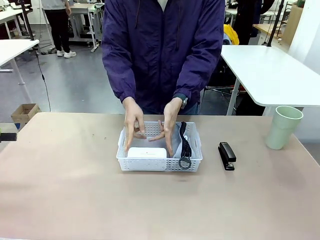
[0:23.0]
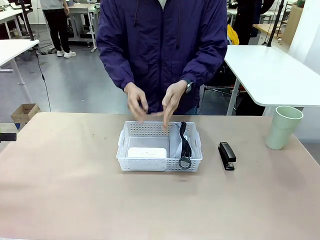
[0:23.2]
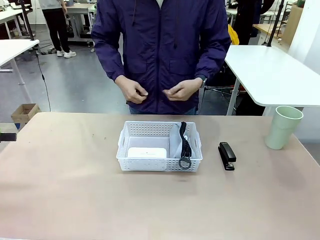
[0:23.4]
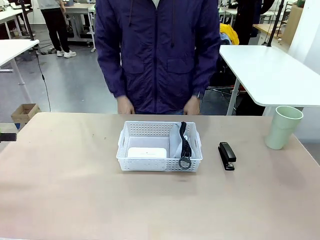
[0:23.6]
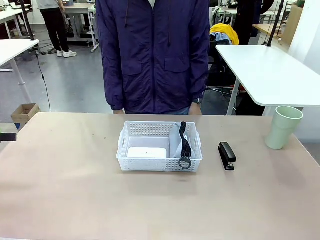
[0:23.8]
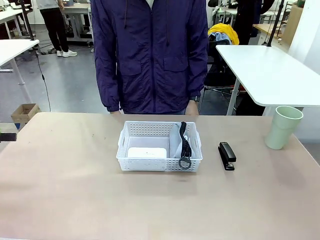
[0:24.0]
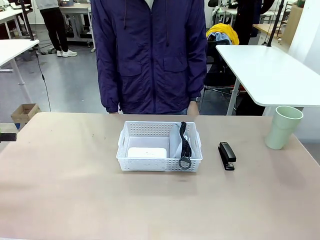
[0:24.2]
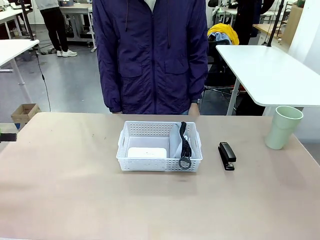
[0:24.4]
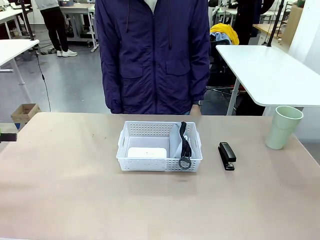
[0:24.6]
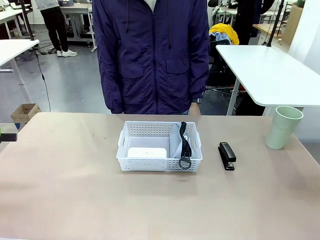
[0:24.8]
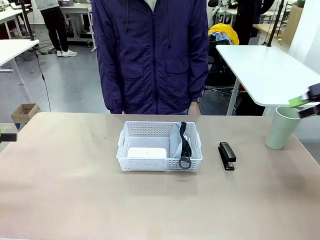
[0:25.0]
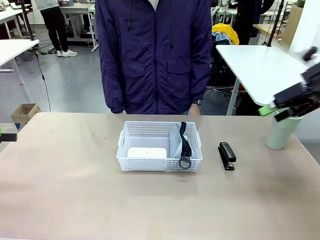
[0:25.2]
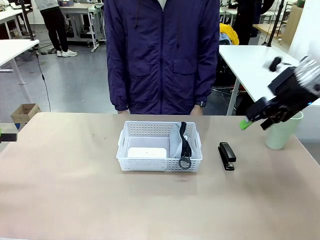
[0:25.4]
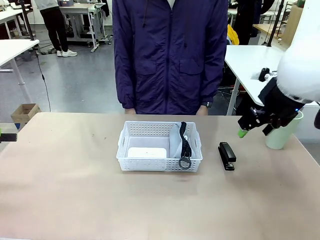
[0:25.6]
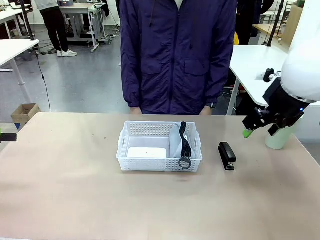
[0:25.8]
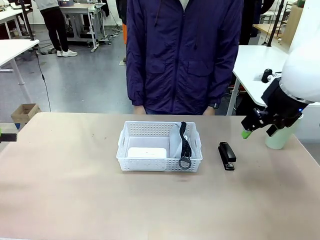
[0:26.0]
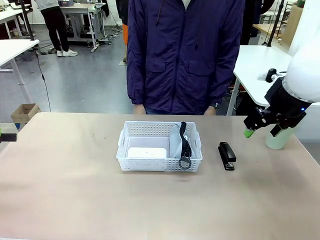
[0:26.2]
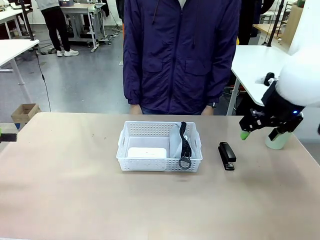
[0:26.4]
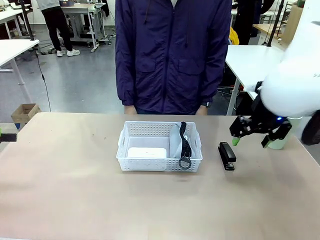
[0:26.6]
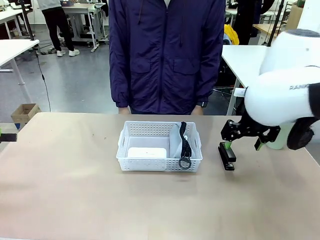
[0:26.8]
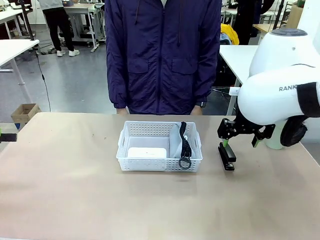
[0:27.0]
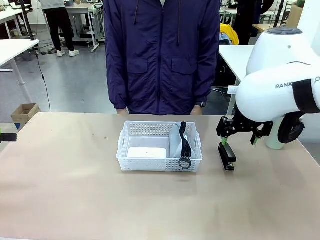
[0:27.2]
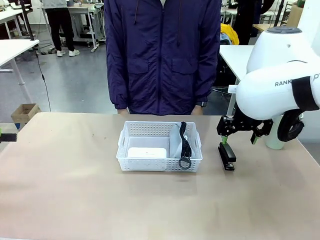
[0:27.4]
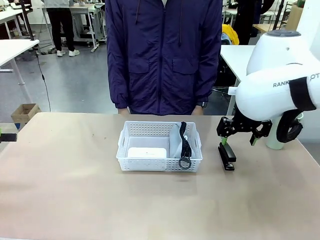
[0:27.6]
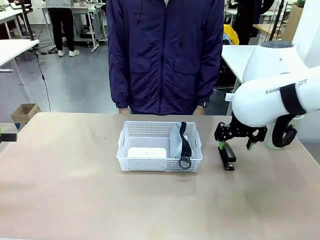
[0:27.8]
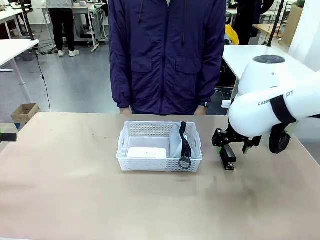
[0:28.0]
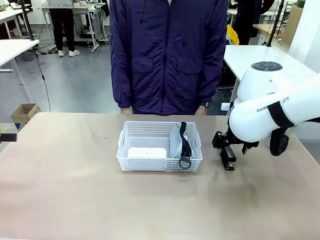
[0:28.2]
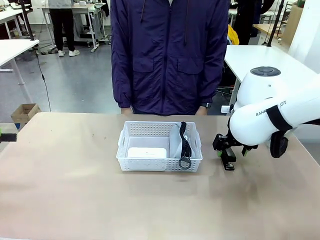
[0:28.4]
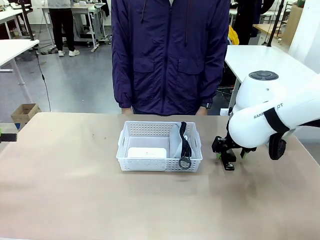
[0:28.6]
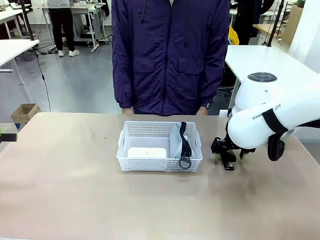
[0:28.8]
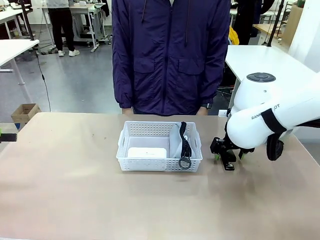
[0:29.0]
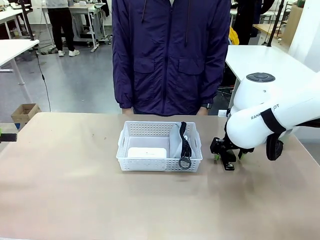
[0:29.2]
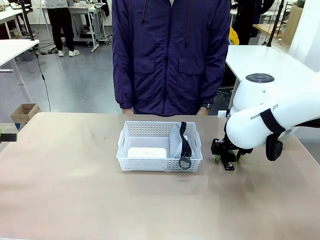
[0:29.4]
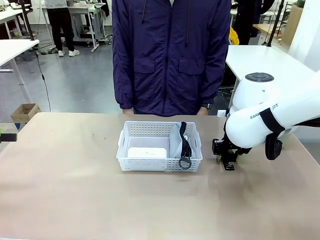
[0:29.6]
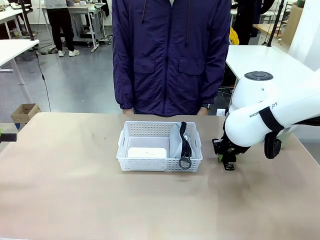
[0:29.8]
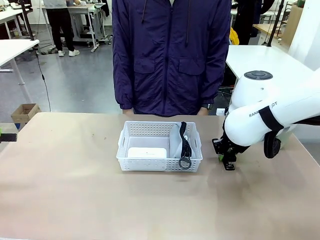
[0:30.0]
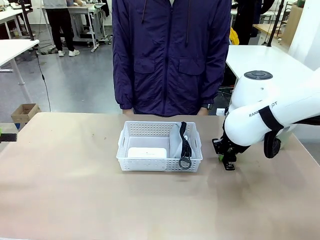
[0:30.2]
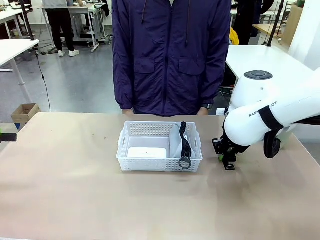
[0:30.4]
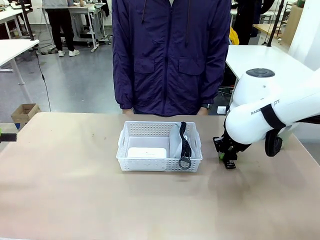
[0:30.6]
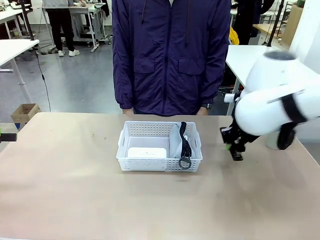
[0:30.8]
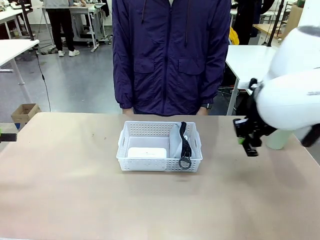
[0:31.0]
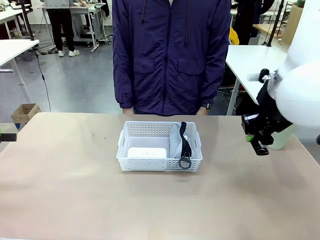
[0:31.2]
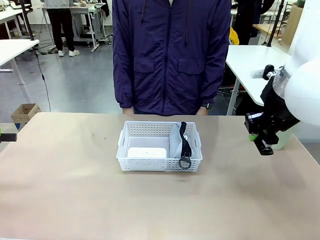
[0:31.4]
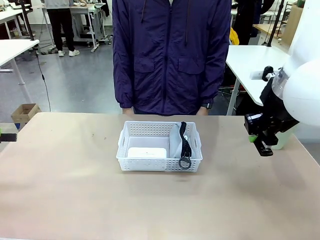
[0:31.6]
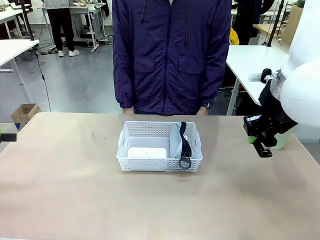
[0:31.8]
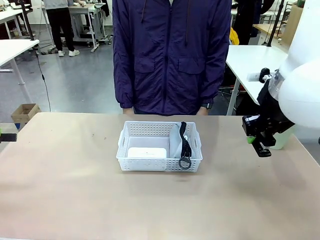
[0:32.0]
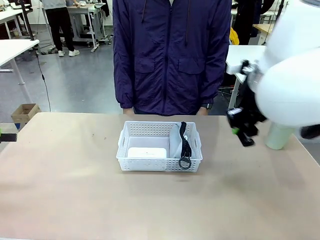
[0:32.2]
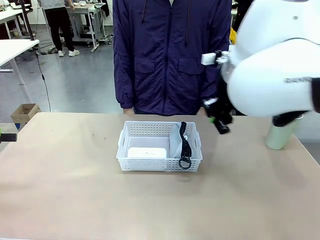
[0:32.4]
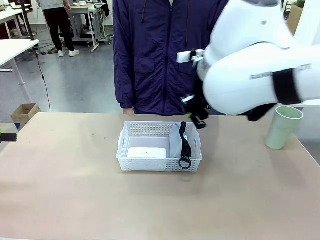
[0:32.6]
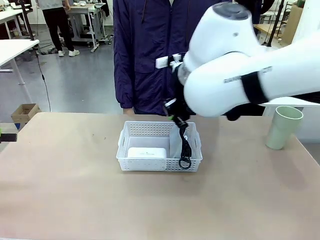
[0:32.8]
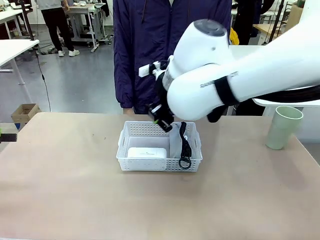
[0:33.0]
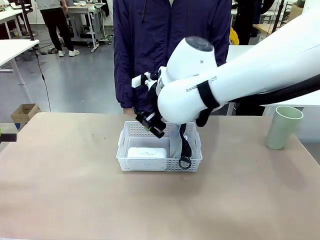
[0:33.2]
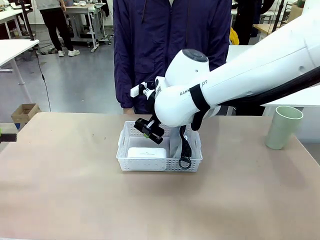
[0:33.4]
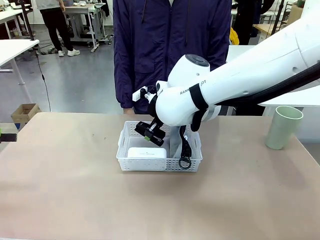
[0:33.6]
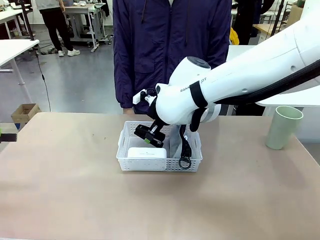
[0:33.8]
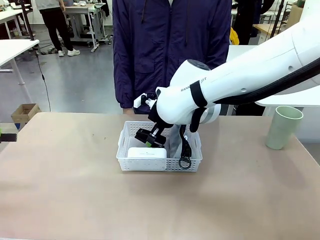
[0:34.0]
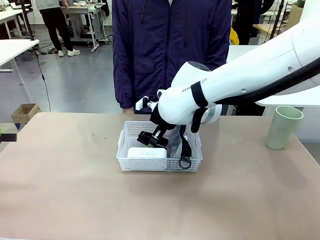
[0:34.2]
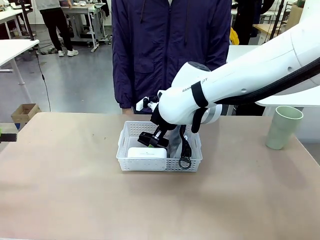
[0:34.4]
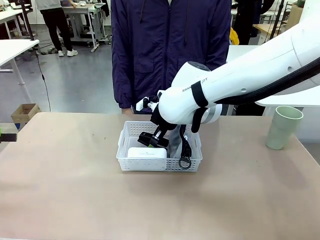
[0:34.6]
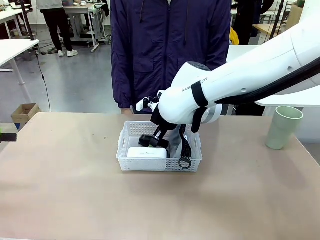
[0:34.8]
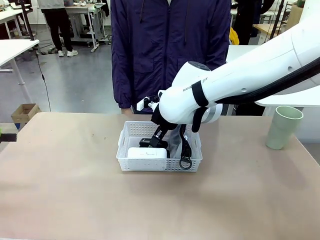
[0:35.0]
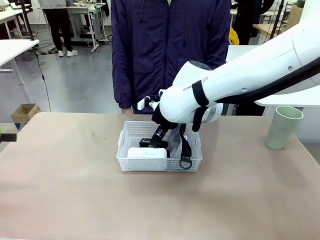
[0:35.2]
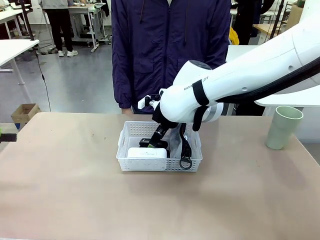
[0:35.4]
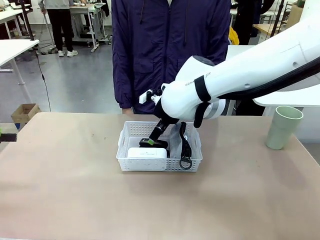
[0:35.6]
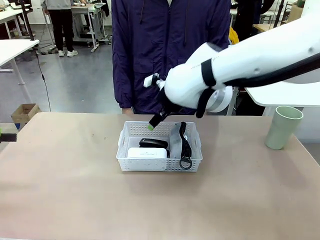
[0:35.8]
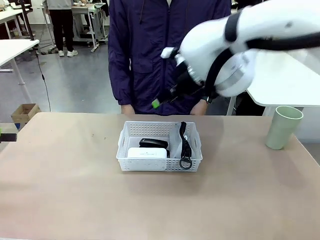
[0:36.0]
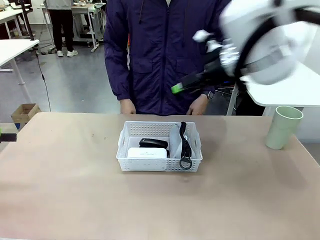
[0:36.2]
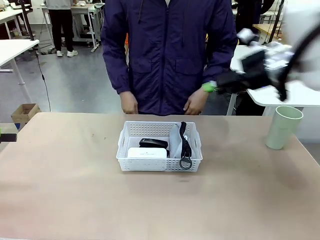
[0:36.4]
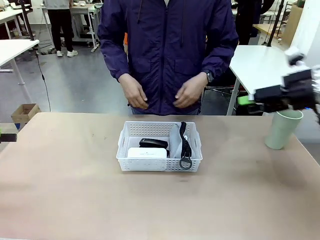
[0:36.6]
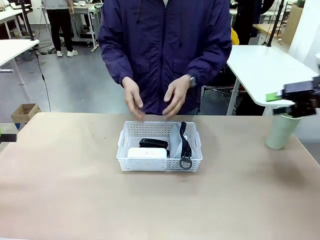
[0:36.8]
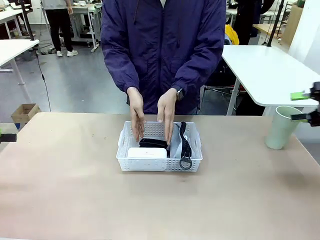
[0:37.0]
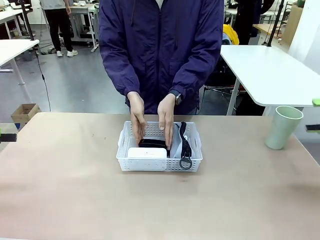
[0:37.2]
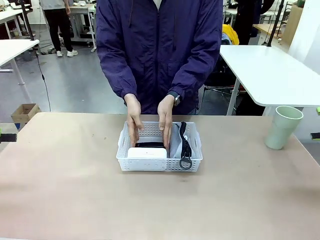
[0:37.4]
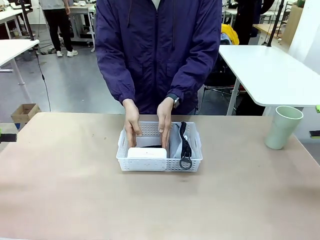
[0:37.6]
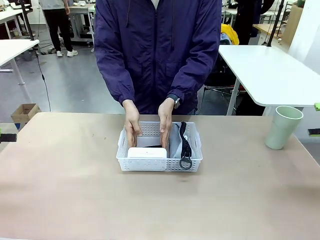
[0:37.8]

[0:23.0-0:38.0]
Task: Efficiently arrange items inside the basket to fit them all.
Robot: Pick up the Stapler and place it inside the Organizing basket.
